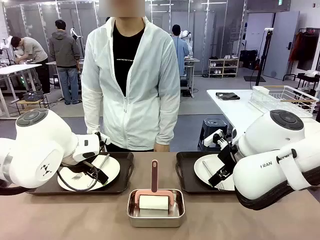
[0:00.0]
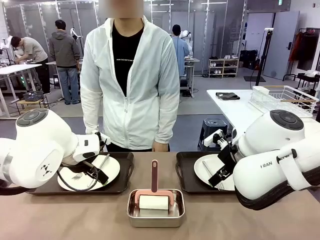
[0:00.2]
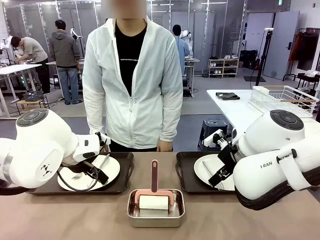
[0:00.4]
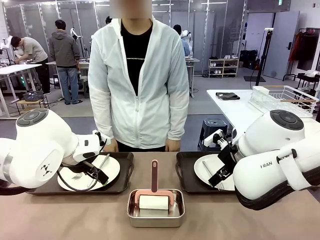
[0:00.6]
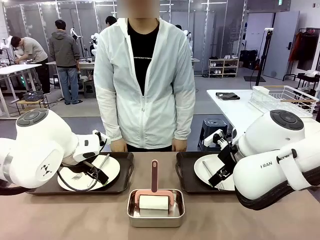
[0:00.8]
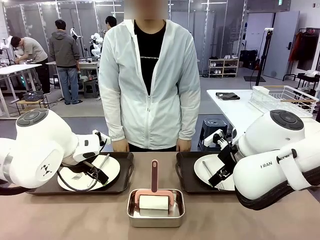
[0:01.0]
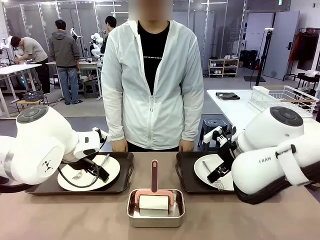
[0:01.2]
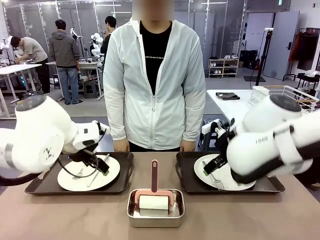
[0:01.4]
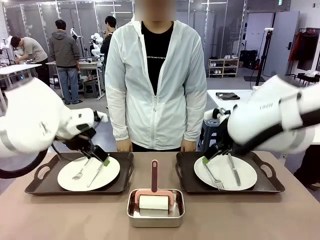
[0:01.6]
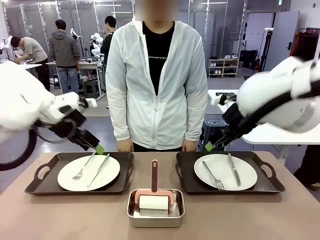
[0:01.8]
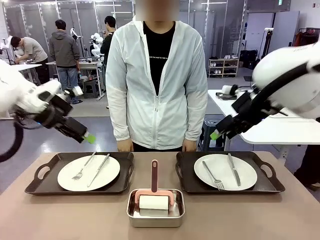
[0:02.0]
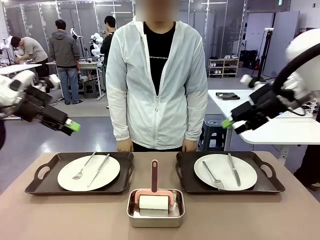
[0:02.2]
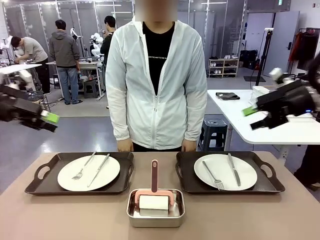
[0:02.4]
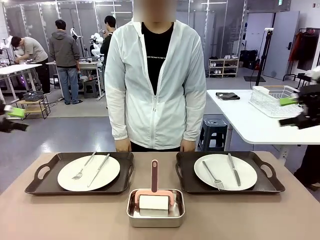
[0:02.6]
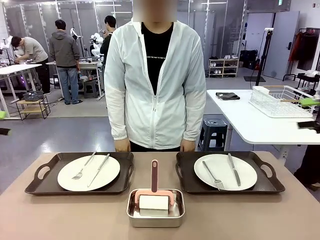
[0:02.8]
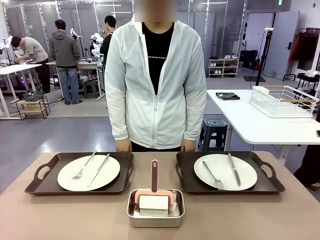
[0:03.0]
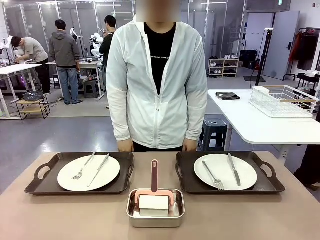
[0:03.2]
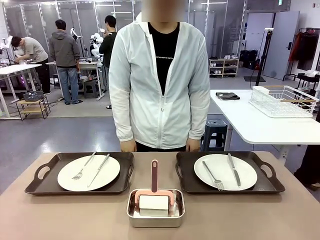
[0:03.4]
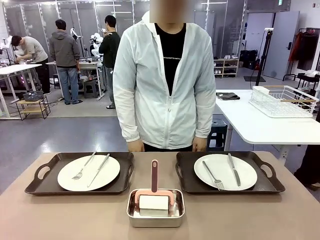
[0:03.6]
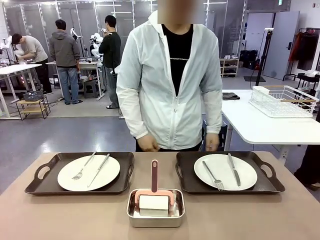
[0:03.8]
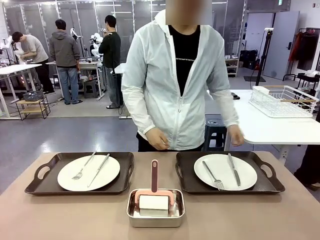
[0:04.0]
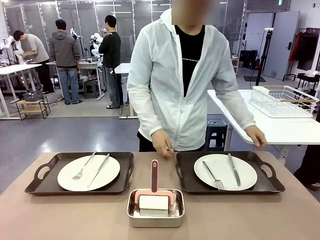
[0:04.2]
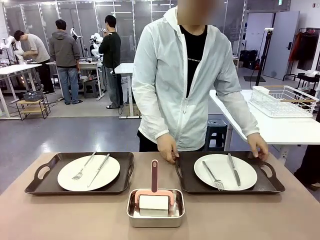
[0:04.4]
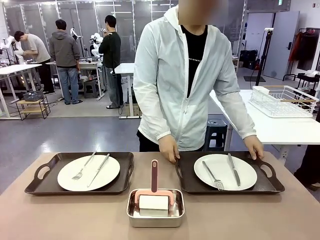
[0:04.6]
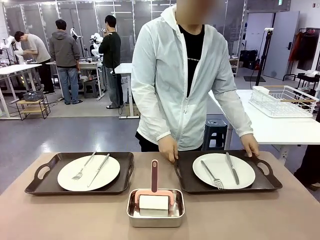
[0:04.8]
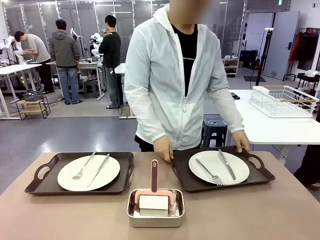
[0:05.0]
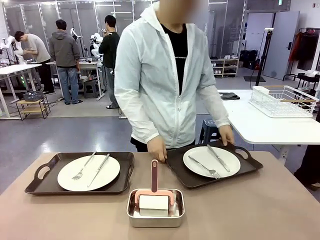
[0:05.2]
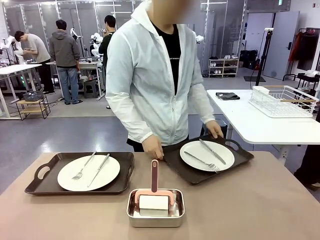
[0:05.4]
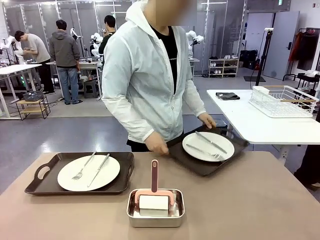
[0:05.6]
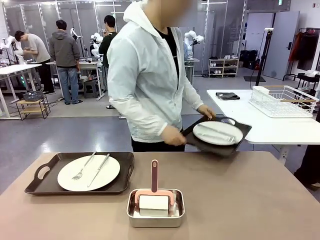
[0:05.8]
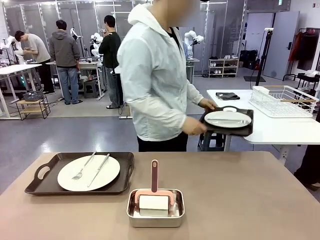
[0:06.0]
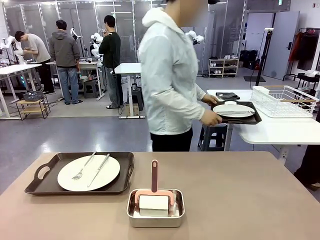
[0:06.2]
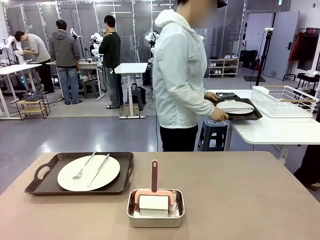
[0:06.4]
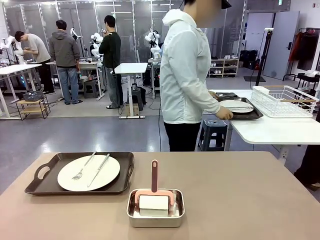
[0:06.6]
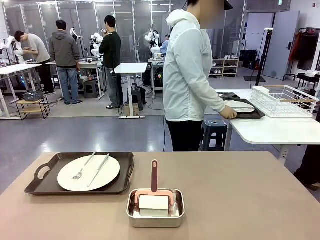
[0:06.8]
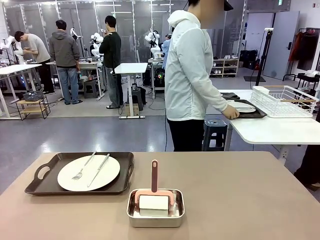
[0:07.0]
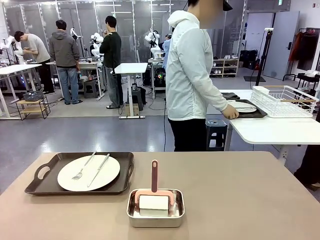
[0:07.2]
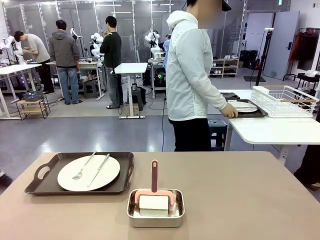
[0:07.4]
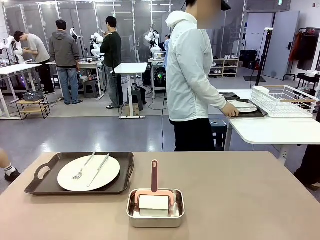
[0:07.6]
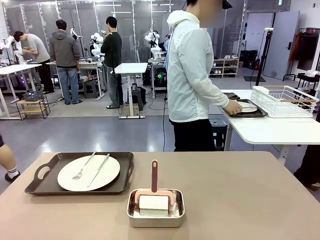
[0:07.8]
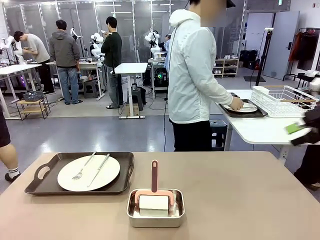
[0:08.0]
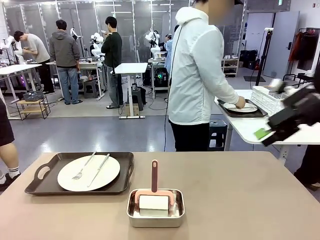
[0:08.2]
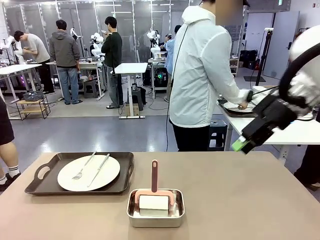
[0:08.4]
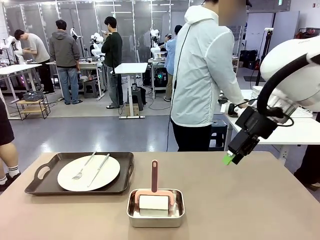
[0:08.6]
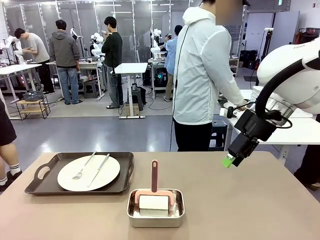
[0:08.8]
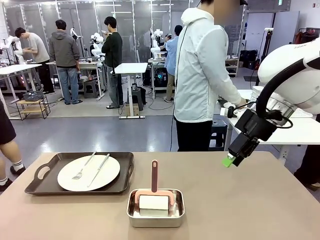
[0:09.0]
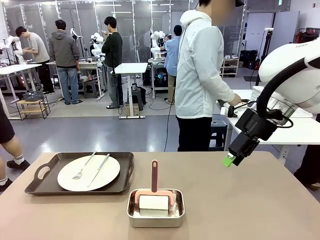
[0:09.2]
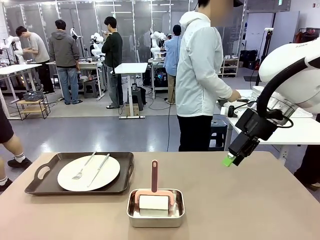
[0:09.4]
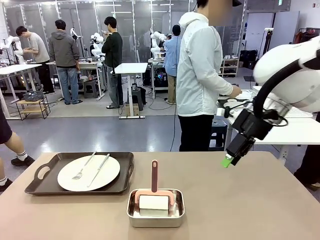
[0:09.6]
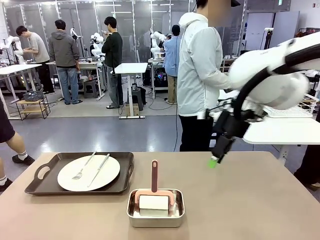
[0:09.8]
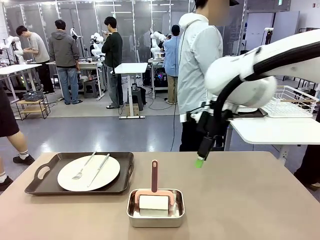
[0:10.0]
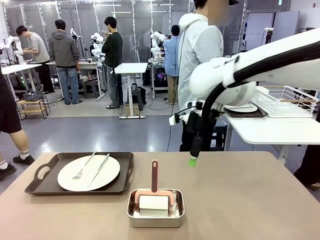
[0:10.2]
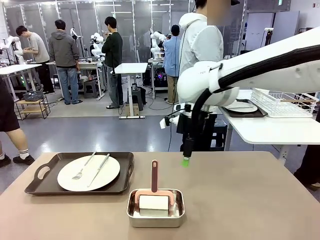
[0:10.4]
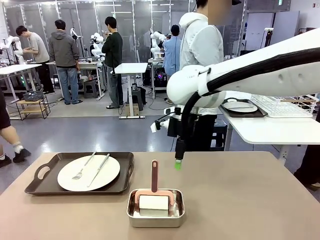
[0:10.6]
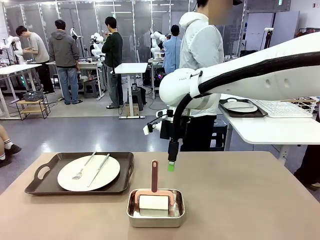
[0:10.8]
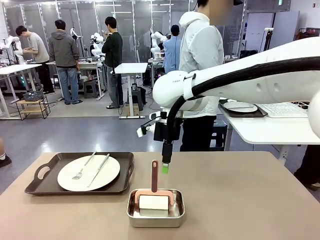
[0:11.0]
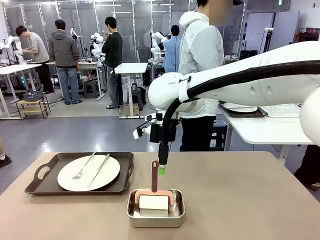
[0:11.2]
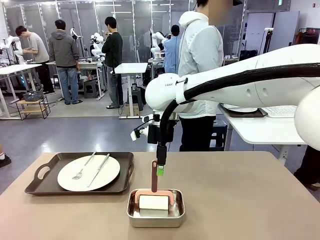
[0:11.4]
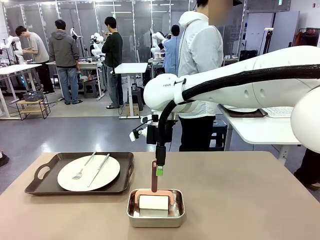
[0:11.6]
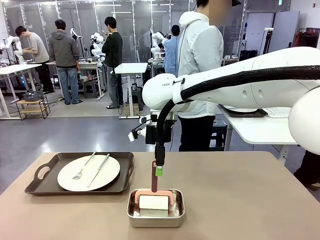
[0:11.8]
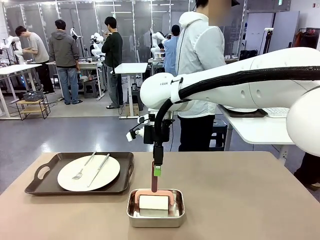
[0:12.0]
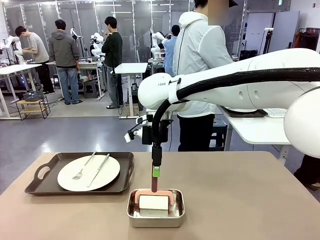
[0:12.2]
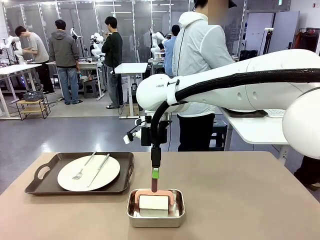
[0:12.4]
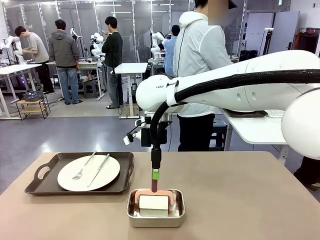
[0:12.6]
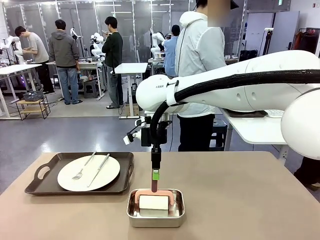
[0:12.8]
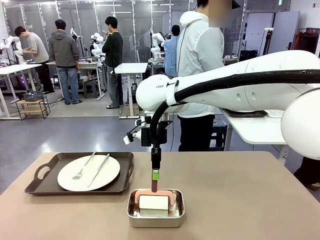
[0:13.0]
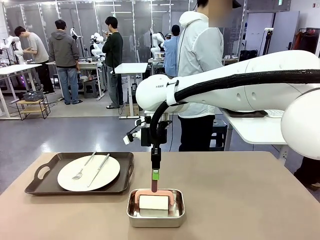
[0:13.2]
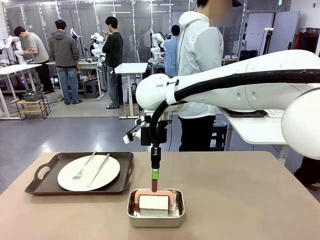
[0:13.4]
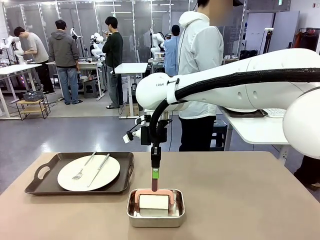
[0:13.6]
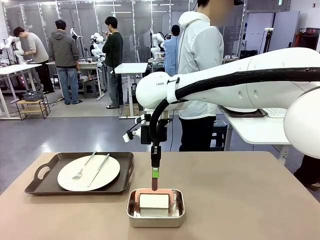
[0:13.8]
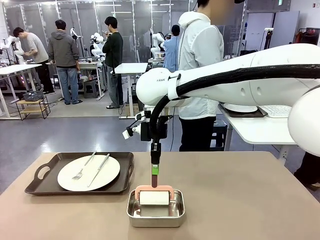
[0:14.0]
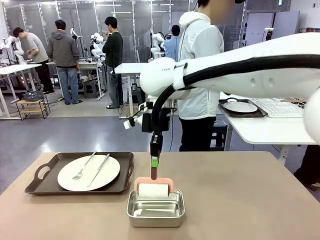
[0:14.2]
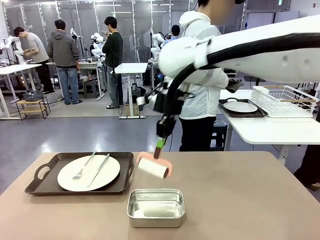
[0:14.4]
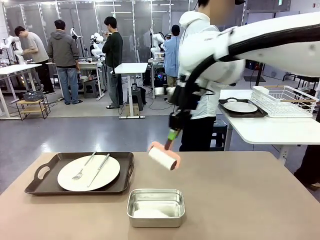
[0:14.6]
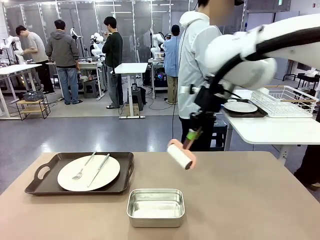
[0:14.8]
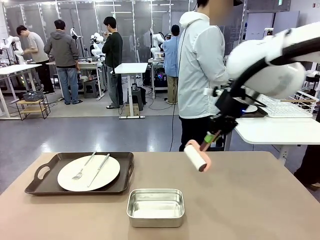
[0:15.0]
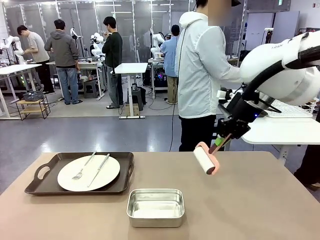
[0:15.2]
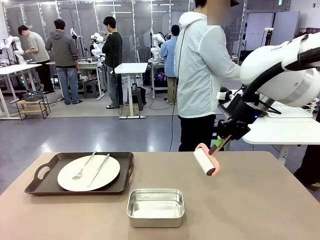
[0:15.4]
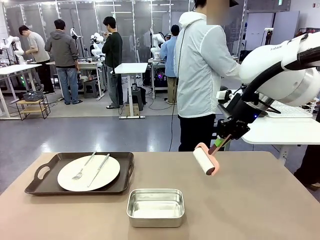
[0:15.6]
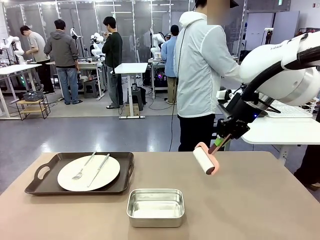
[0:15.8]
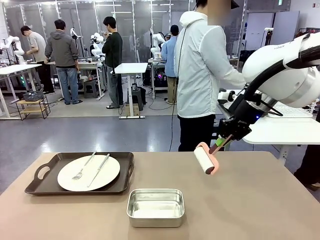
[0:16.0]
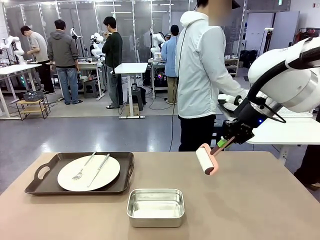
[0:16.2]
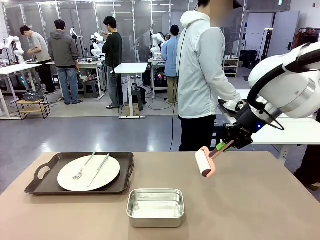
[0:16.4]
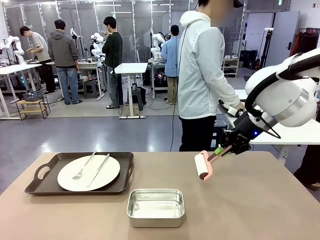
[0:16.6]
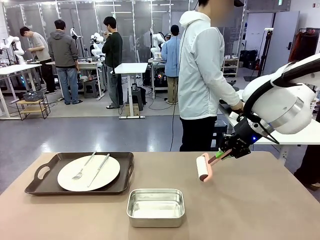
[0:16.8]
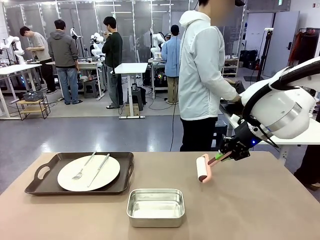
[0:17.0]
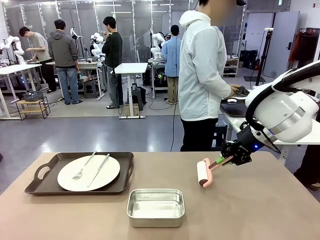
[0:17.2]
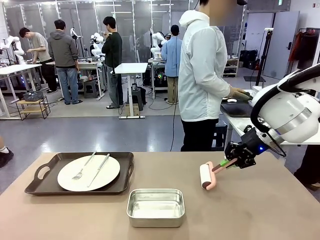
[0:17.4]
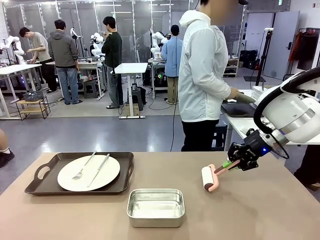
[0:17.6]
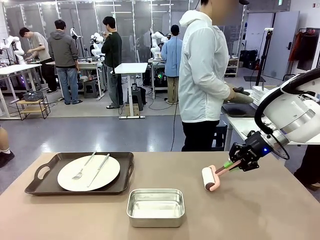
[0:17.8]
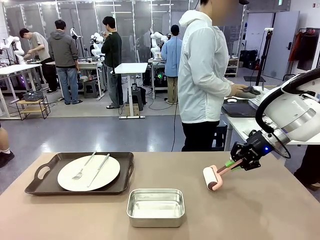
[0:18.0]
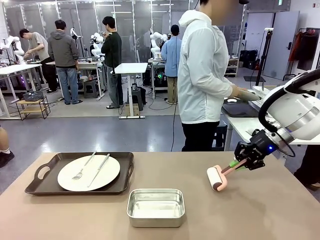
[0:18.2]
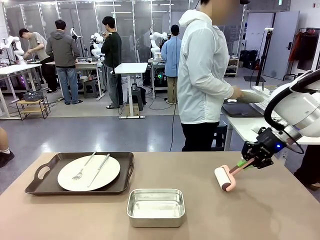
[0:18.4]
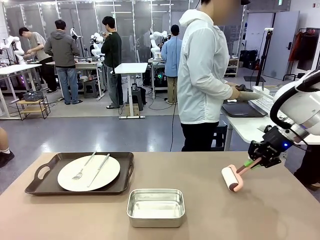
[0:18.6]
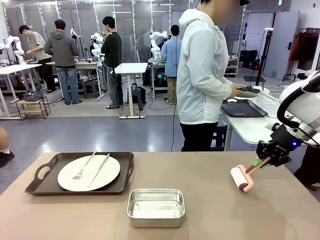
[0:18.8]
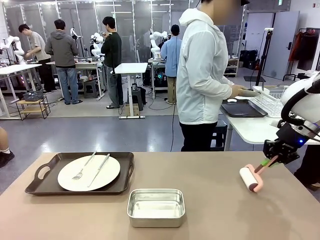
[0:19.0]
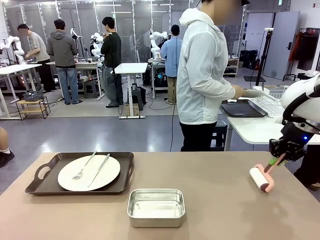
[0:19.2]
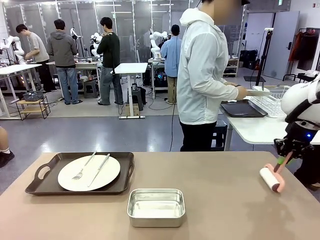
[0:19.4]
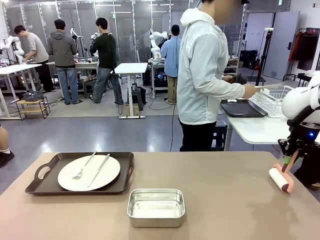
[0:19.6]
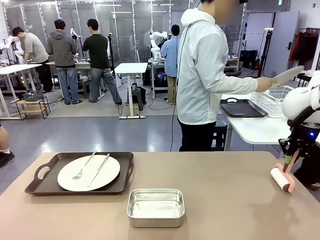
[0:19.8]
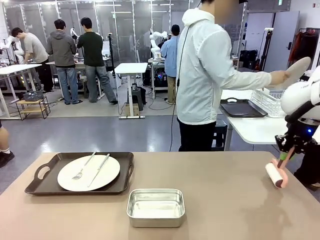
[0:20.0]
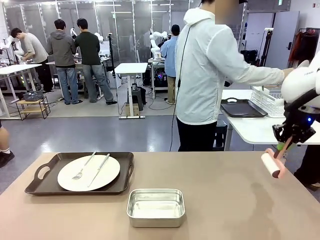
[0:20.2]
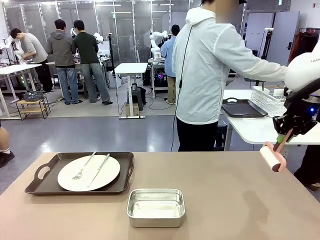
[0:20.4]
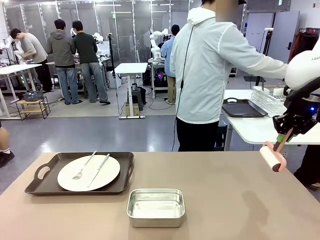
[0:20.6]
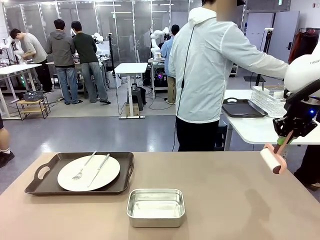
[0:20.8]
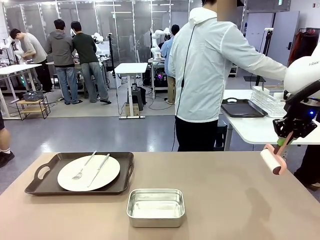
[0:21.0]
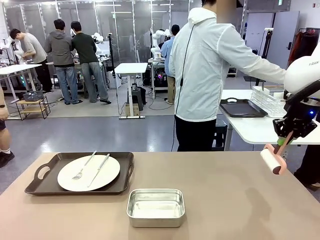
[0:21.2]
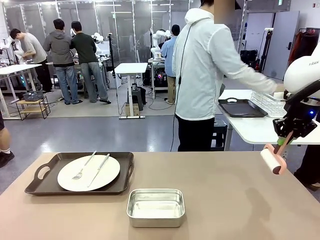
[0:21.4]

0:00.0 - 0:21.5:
Robot: When the left (or right) Handle tray is removed, use the left hand (or right hand) to clean the left (or right) side of the table with the Lint Roller.
Person: Pick up the left (or right) Handle tray and place it on the middle of the Human's table. Use the Towel with hook to wipe the Plastic Matte Plate , Fork , and Knife and place into the Dish drying rack.
